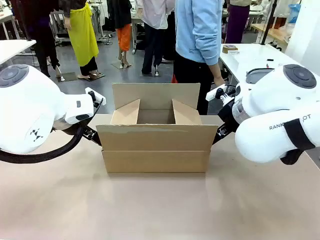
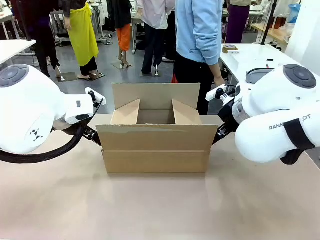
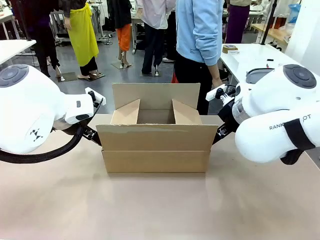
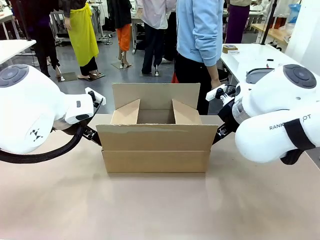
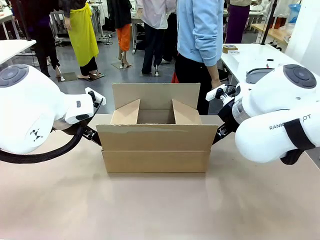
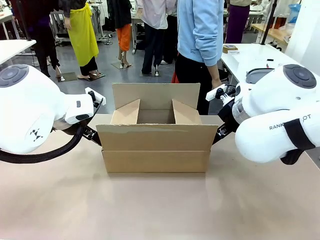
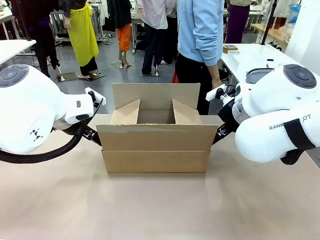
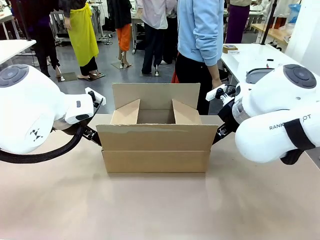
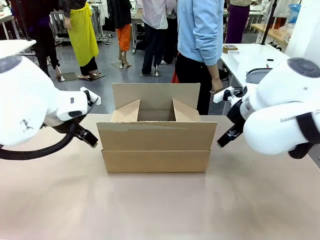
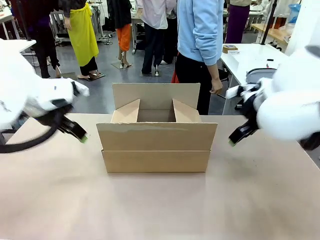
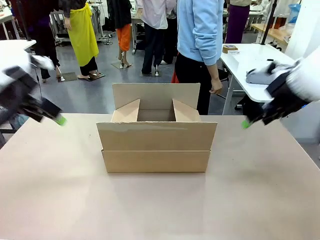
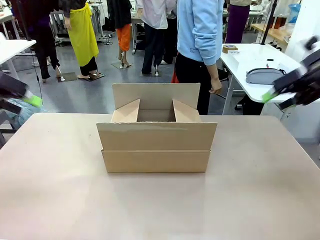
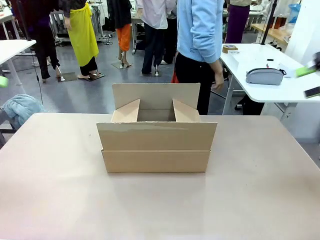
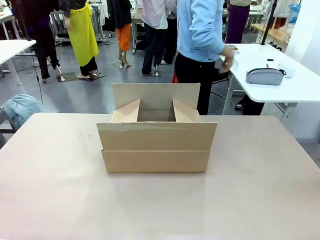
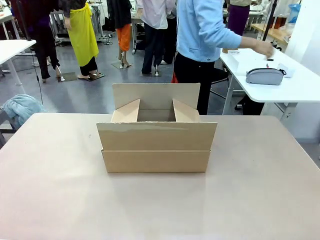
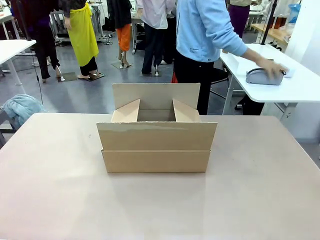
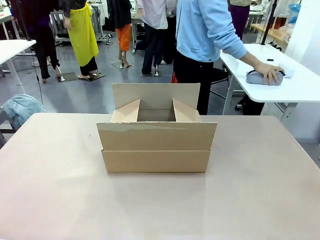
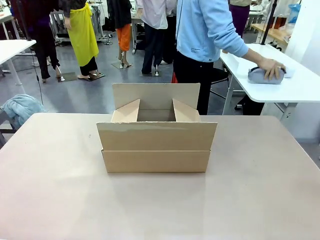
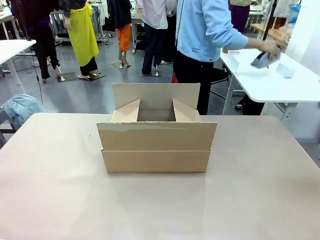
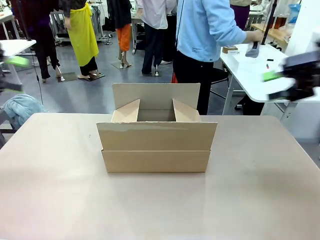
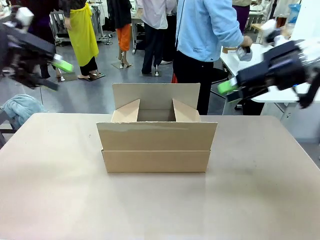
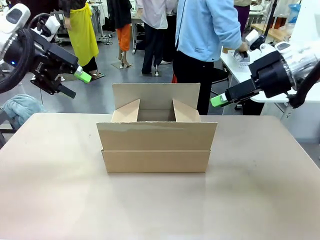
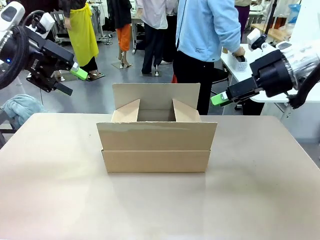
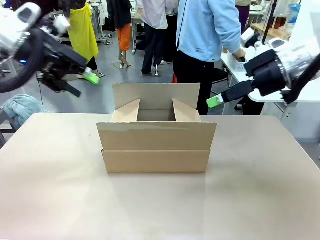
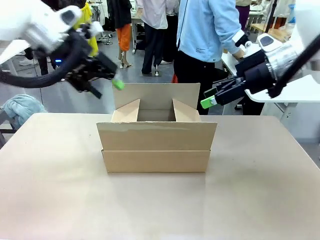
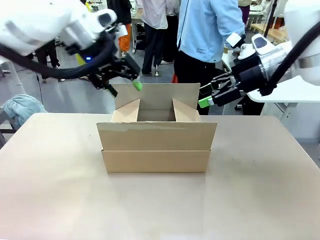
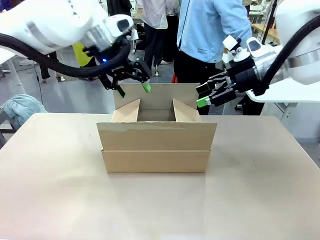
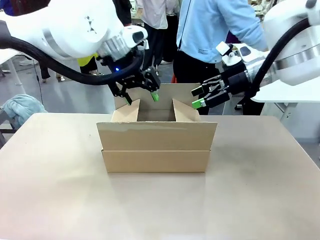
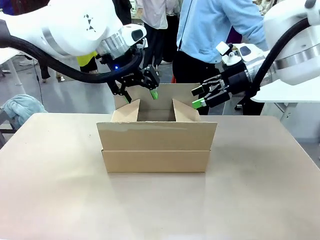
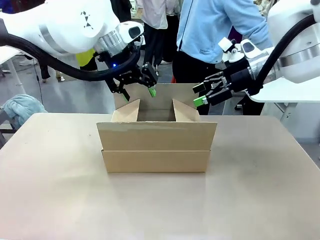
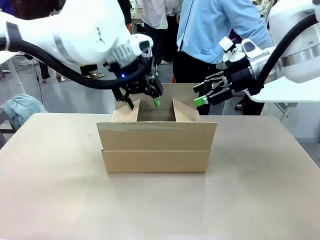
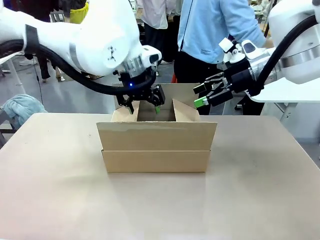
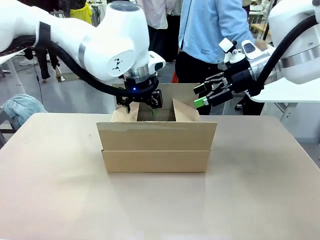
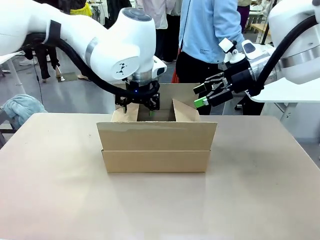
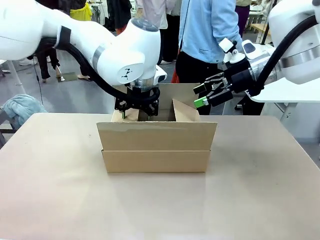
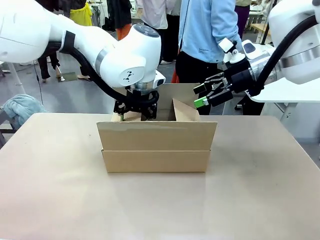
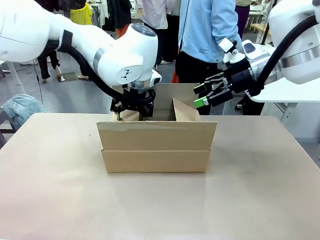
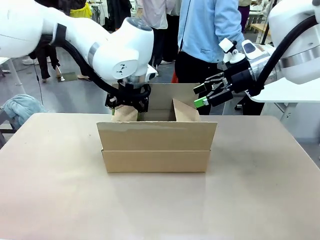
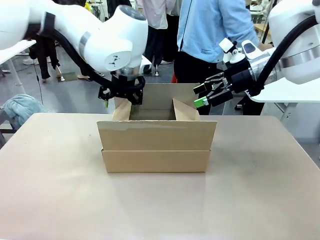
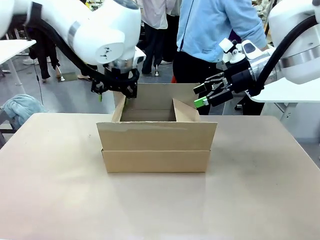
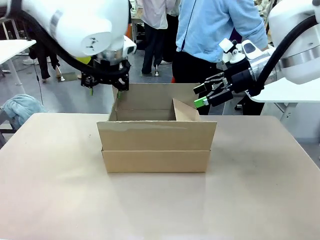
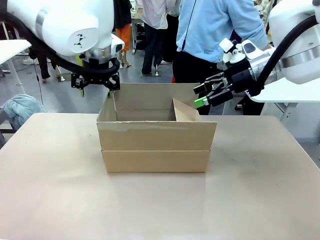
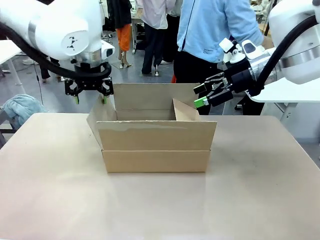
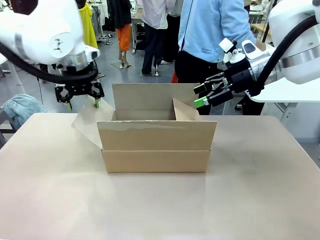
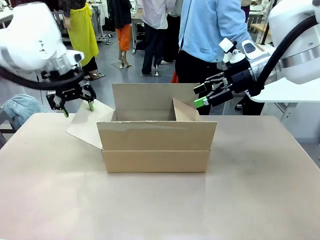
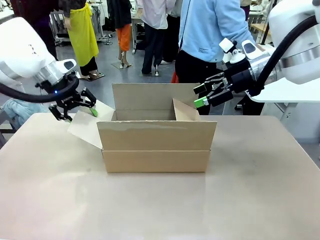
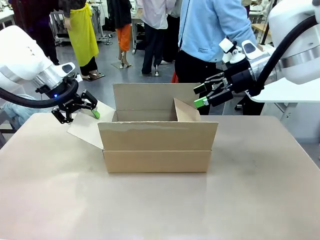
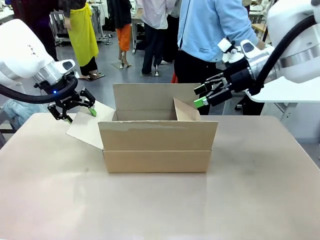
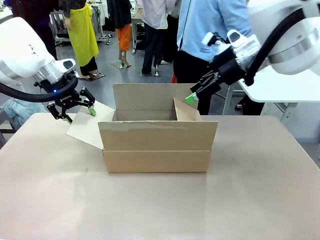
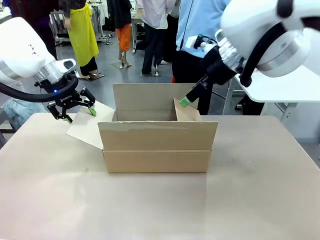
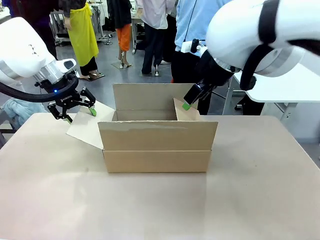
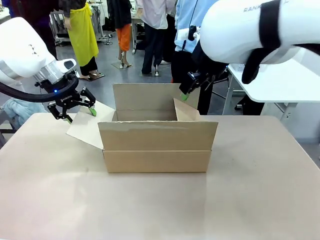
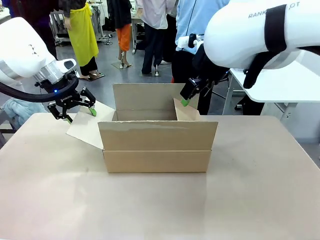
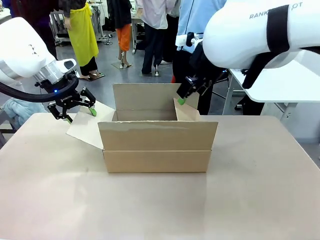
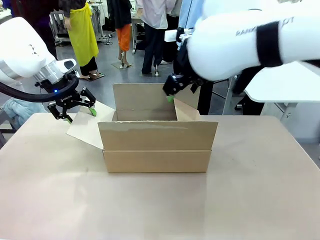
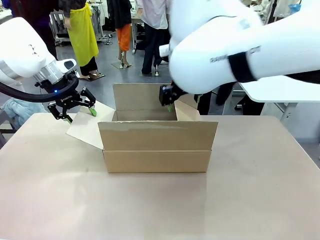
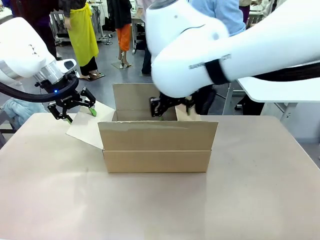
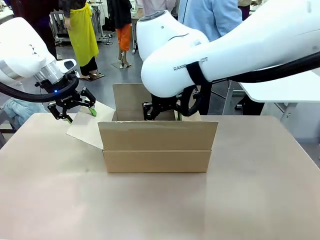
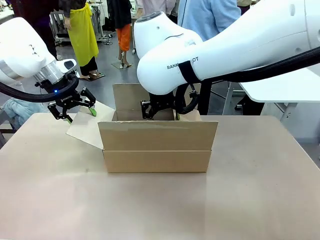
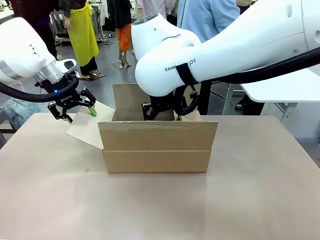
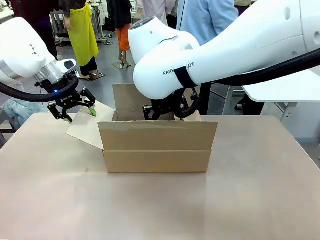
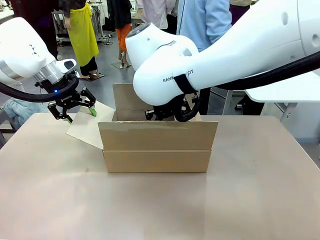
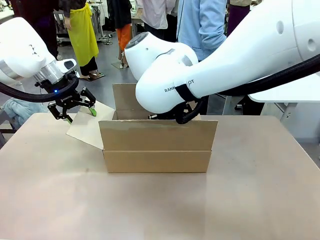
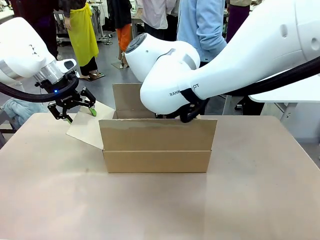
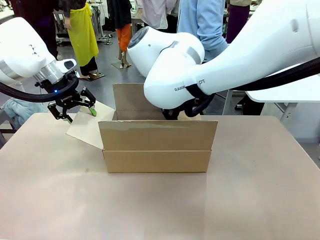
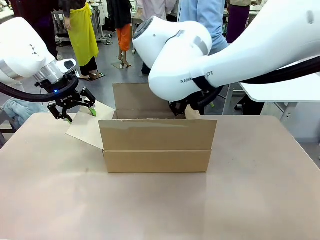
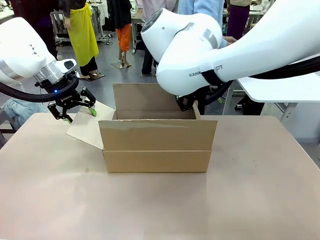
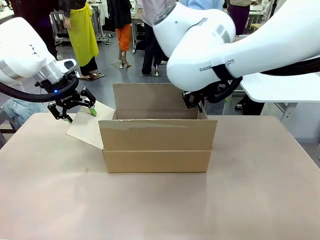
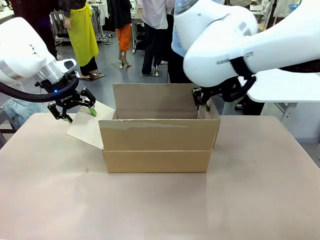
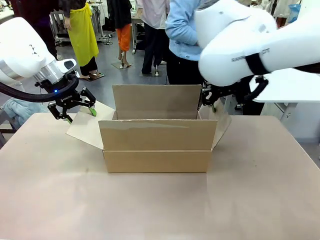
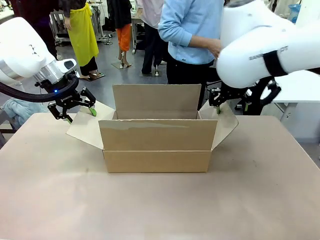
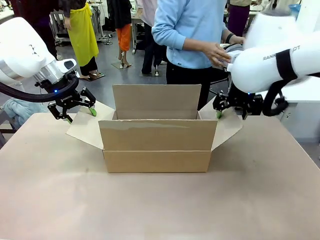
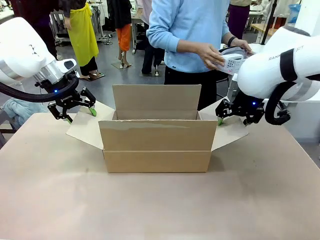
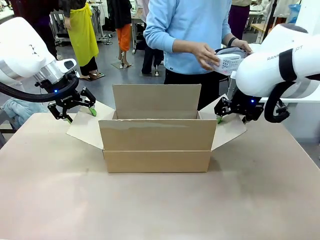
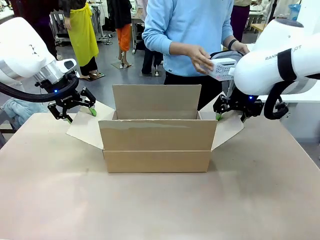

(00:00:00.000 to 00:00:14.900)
Task: Pack the gift set into the box.
Robot: Place both hands on the side flaps of the Package Box and spread them outward.
Person: The human places all items except the paper tape into the organizing basket.

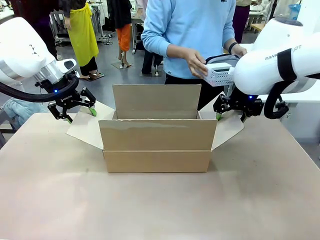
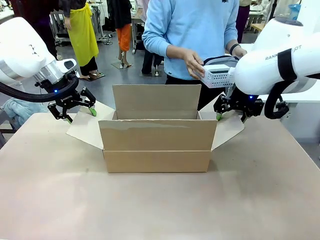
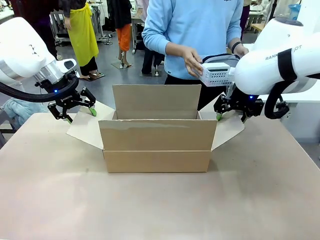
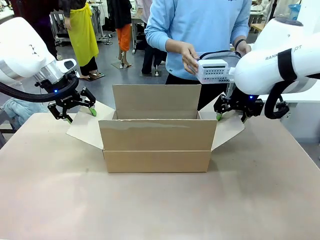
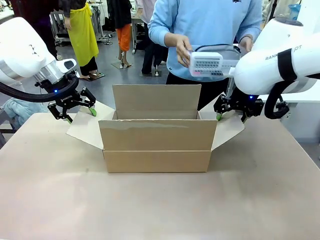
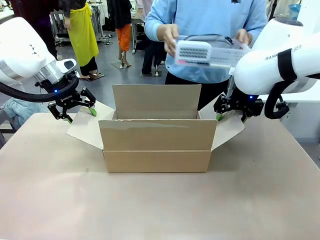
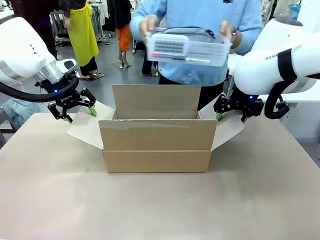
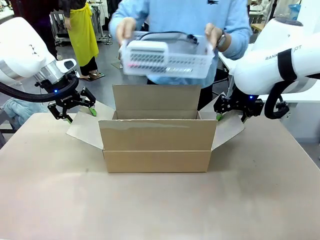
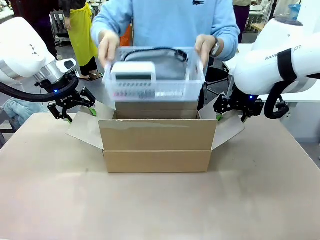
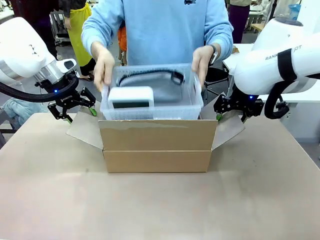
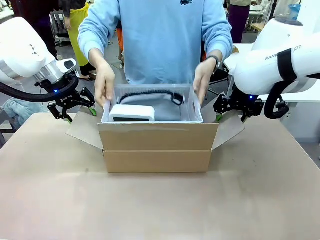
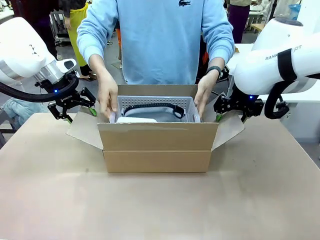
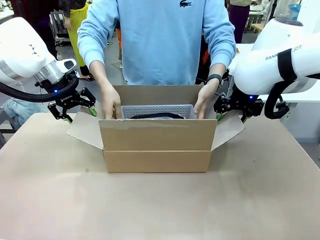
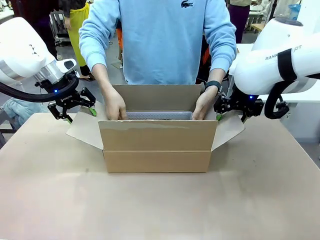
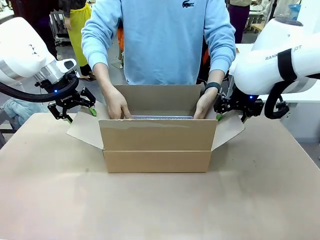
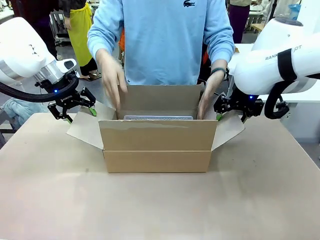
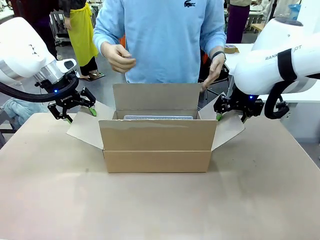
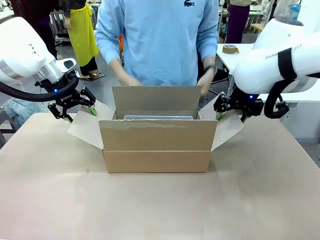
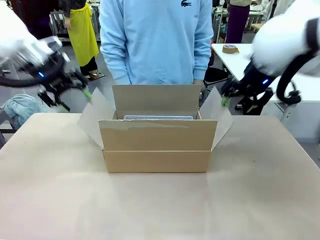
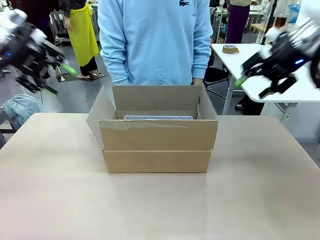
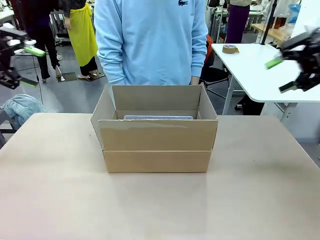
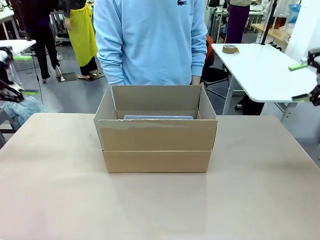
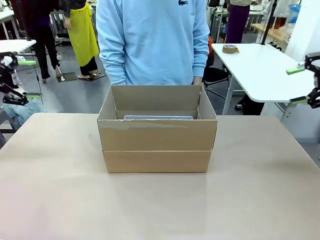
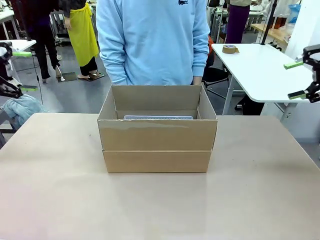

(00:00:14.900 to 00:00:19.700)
Robot: Lift both hands away from the flaps of the Package Box.
Person: The human picks up the organizing basket and places the organizing basket into the package box on the robot table.
